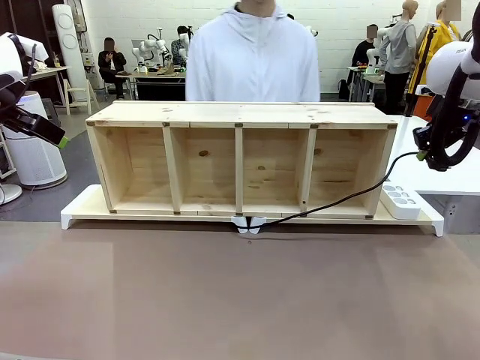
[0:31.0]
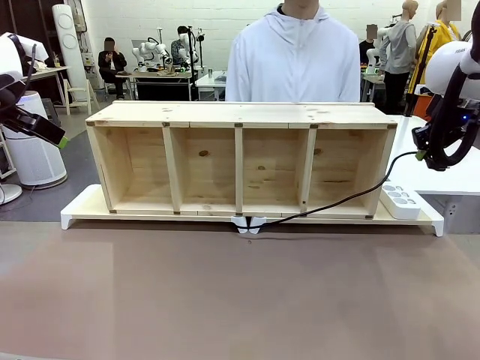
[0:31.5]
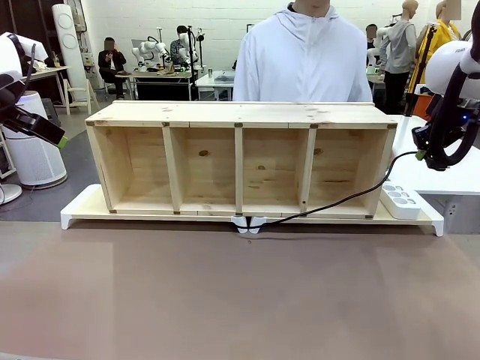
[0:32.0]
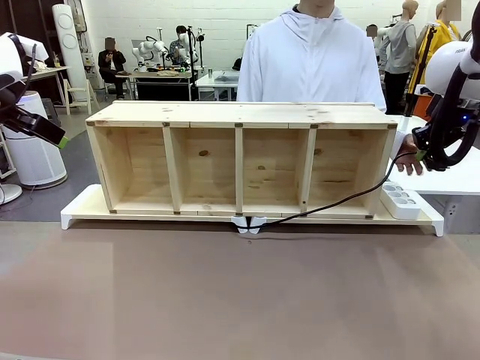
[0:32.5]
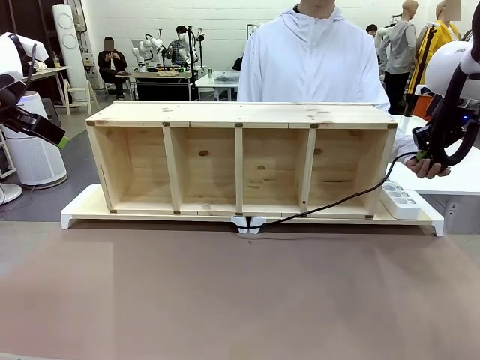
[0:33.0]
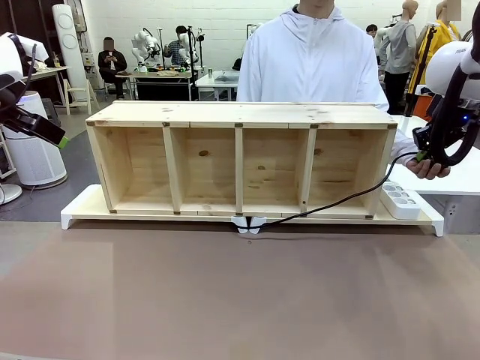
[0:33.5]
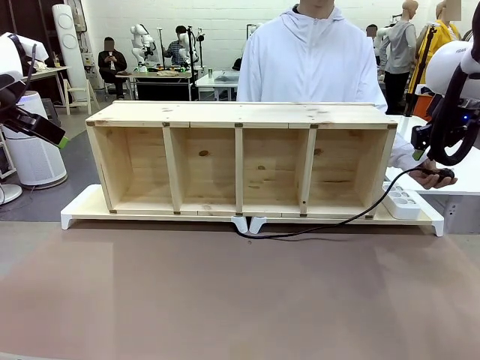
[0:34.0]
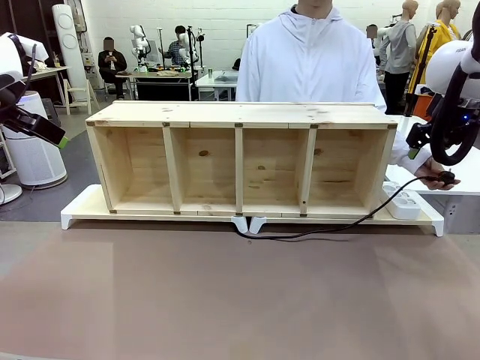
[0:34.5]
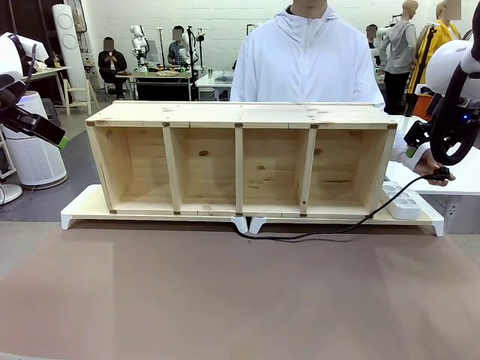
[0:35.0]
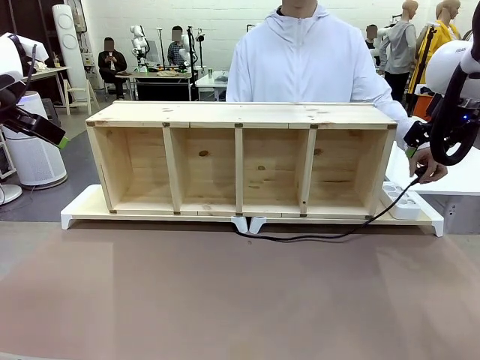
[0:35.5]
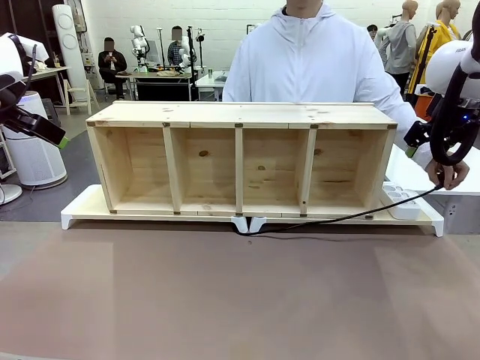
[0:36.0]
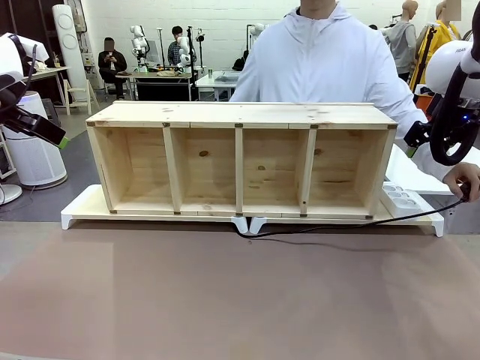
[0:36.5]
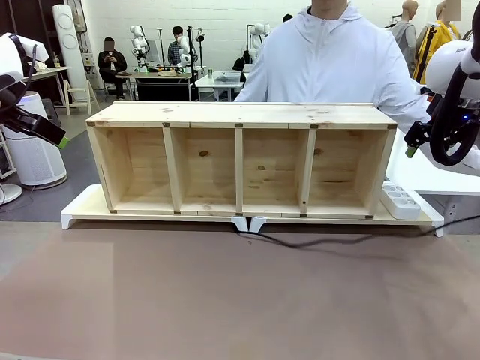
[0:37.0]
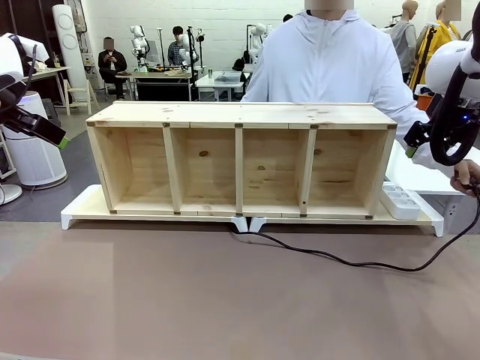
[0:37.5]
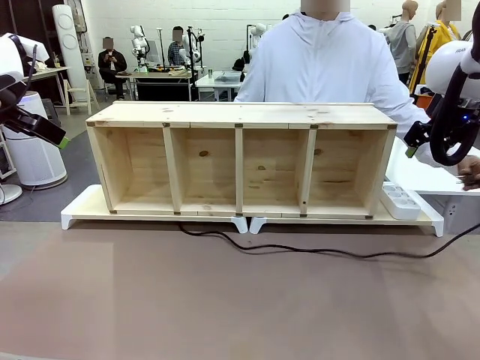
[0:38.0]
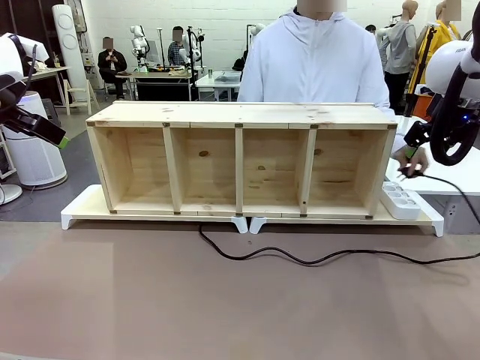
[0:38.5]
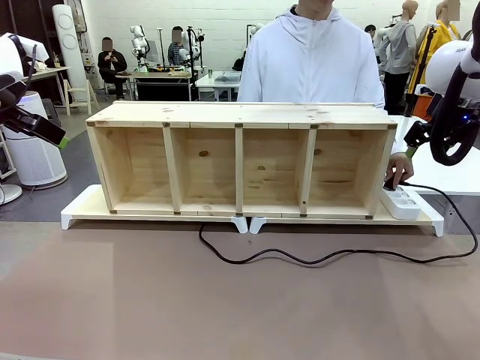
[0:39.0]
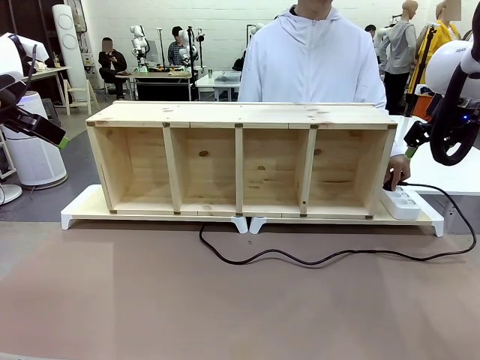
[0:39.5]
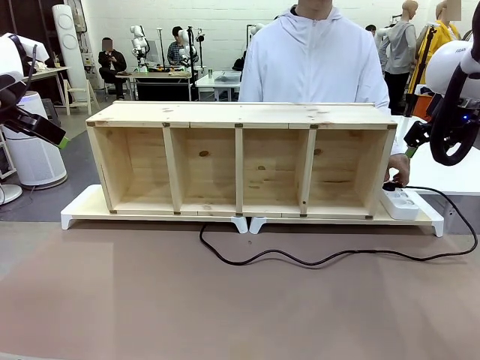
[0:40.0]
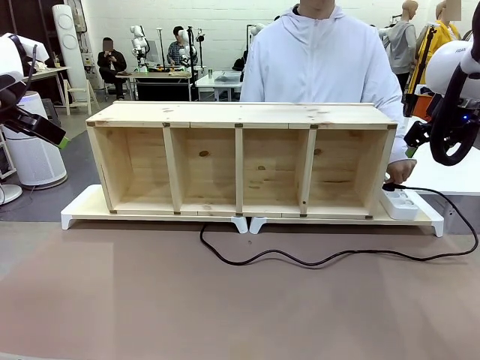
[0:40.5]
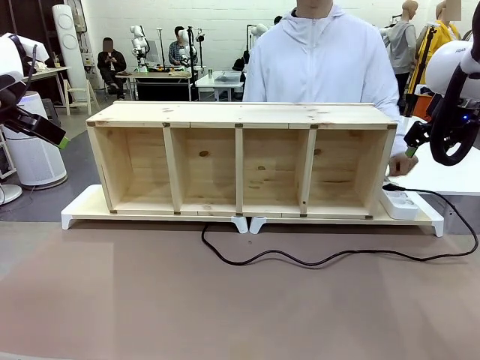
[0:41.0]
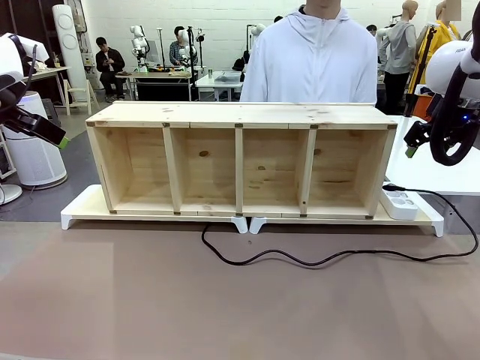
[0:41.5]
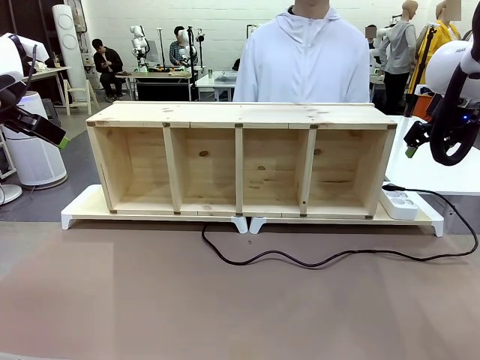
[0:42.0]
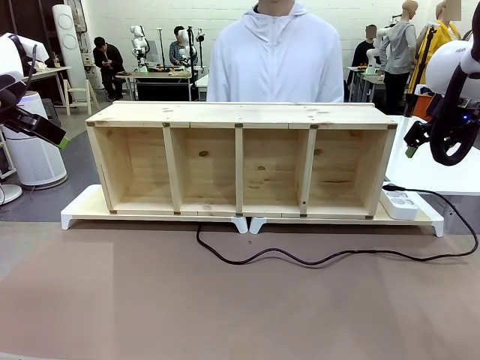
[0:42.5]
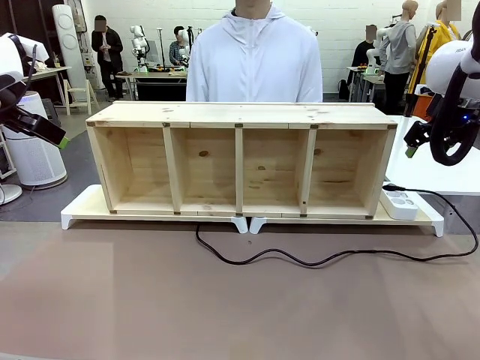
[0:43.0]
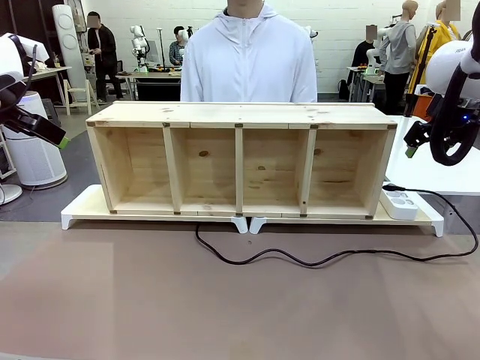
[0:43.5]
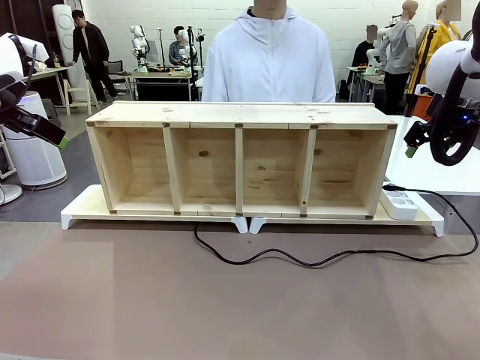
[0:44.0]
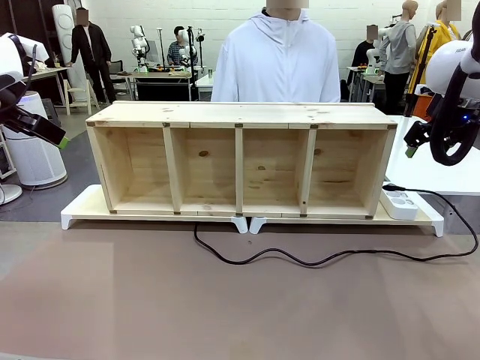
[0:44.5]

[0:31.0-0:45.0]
Task: Perform cable management.
Robot: Release the Power Cable when the human grasps it.
Person: Plug the Power Cable into the Power Strip.

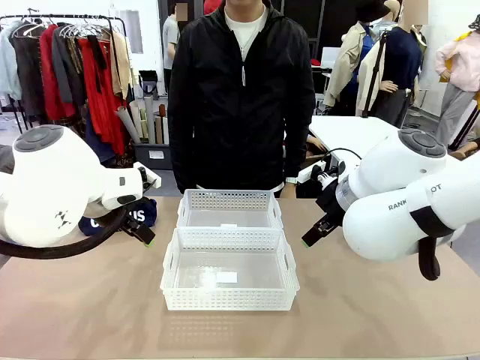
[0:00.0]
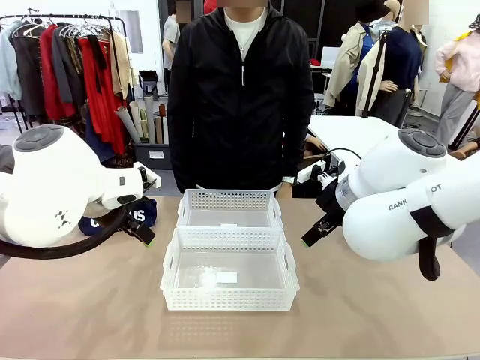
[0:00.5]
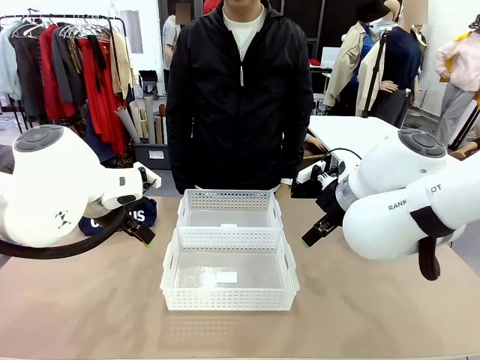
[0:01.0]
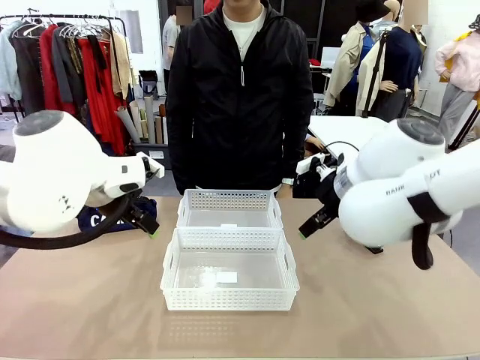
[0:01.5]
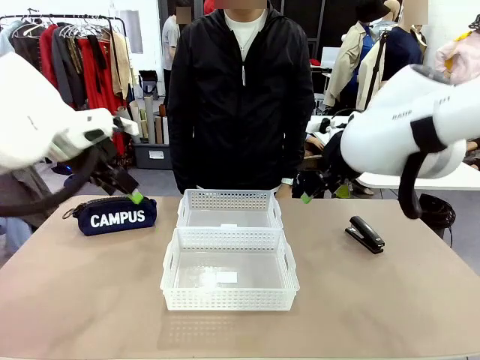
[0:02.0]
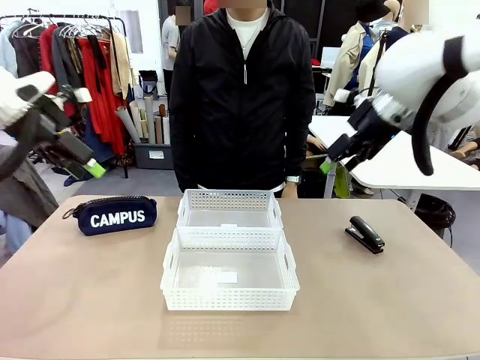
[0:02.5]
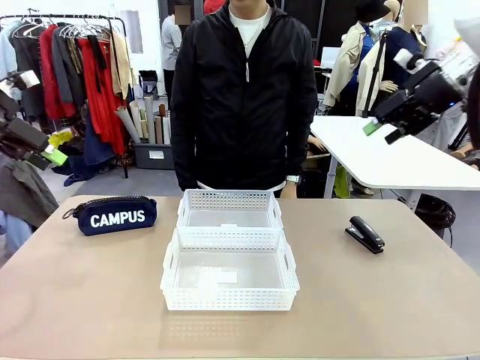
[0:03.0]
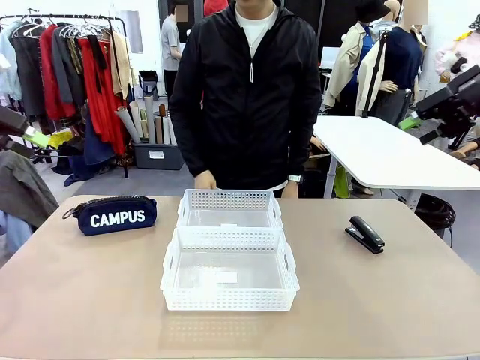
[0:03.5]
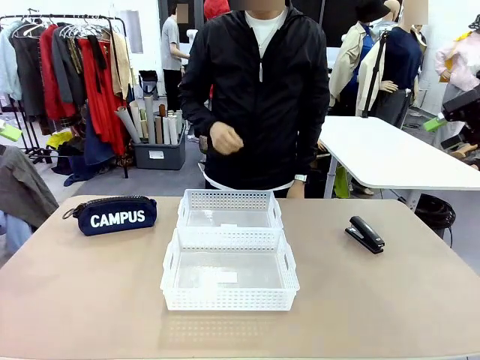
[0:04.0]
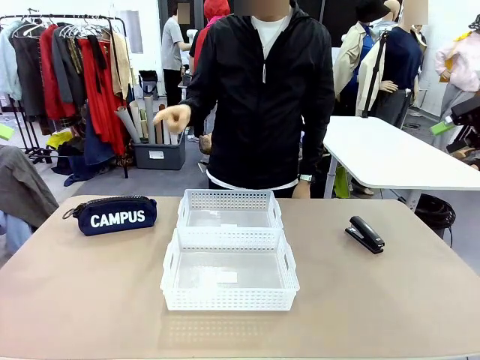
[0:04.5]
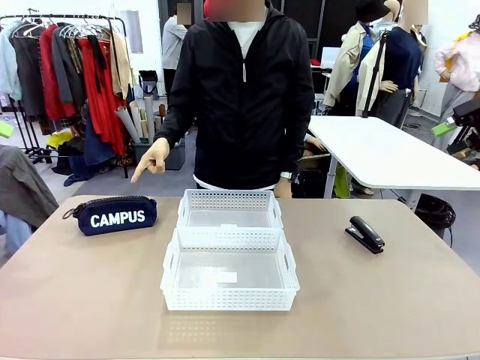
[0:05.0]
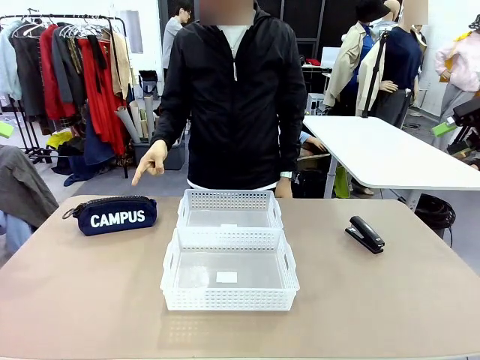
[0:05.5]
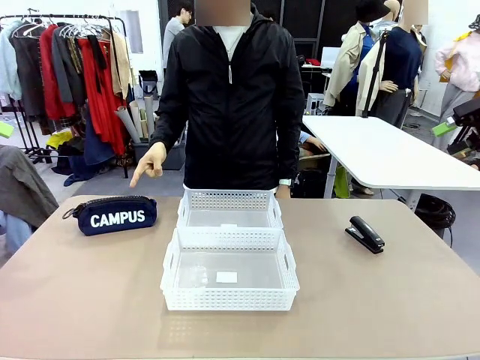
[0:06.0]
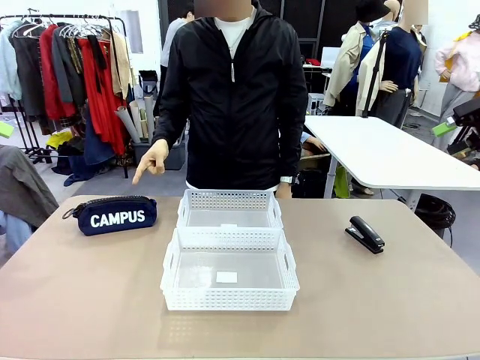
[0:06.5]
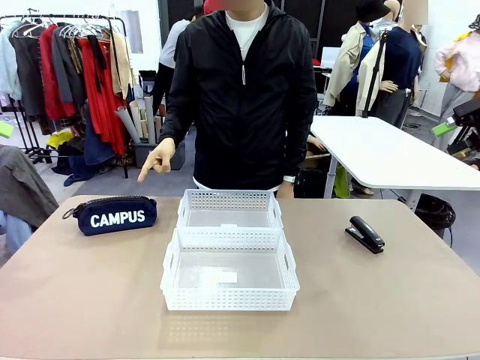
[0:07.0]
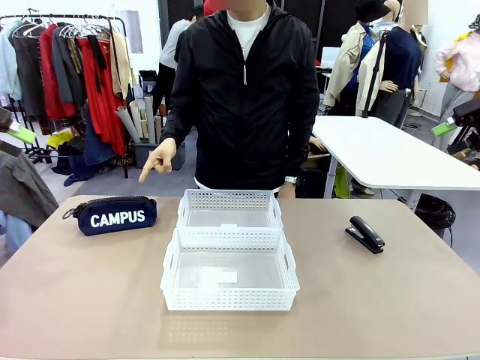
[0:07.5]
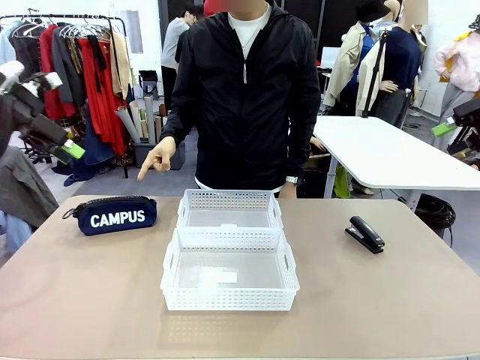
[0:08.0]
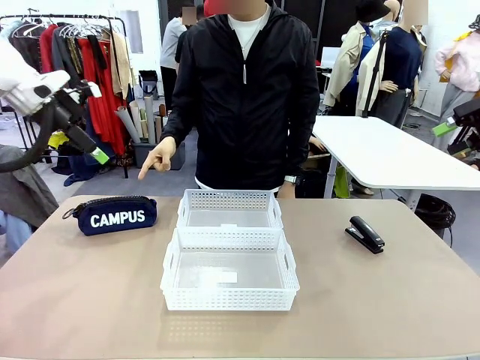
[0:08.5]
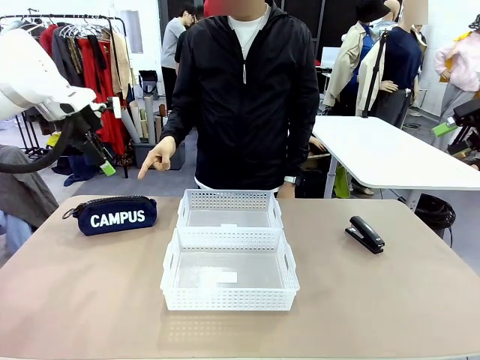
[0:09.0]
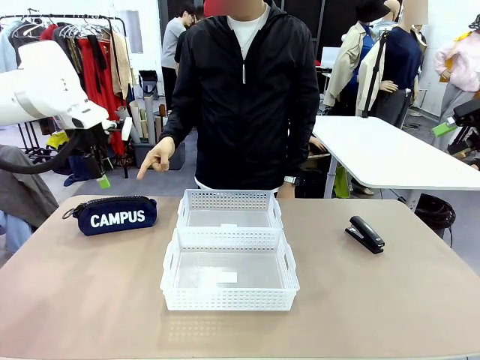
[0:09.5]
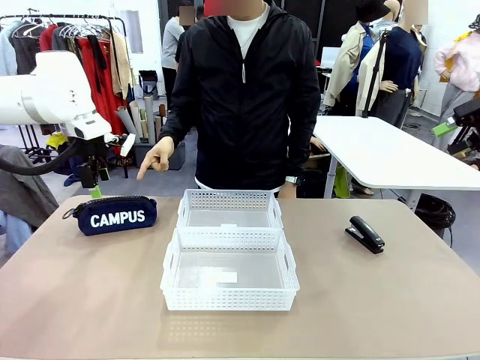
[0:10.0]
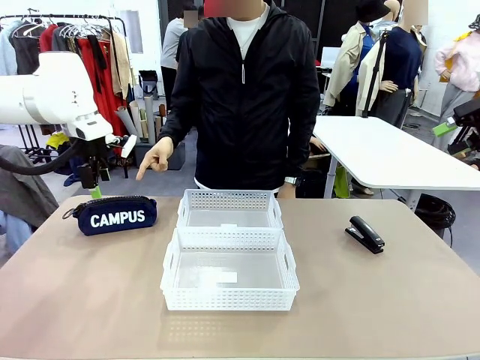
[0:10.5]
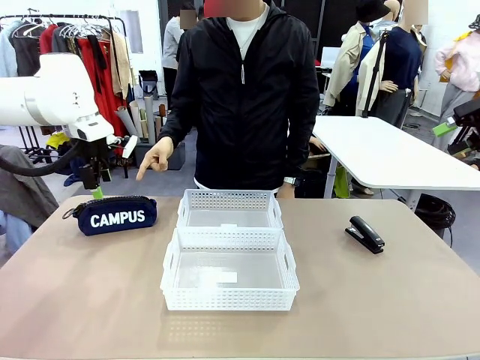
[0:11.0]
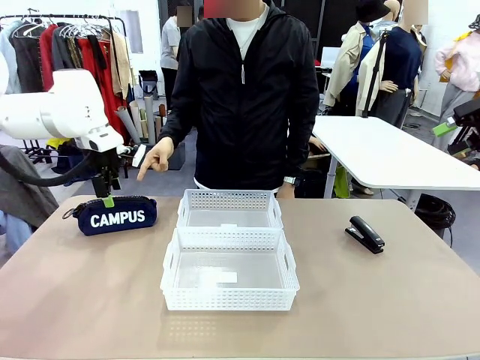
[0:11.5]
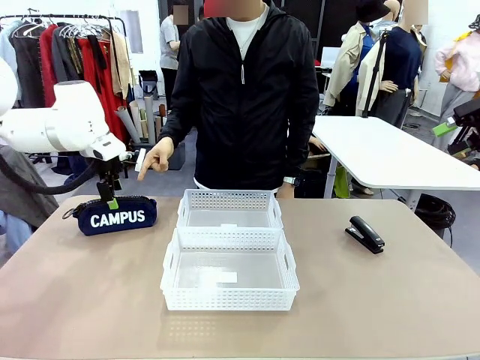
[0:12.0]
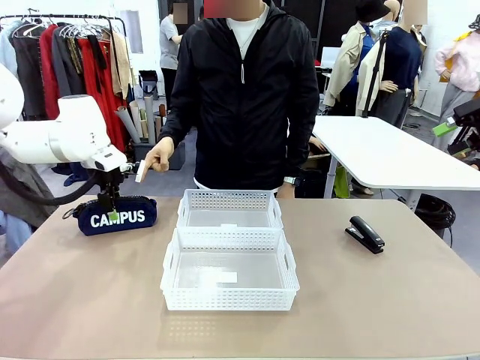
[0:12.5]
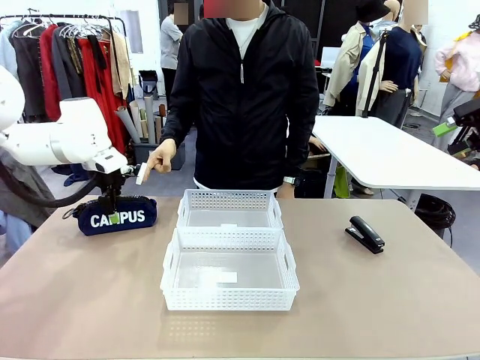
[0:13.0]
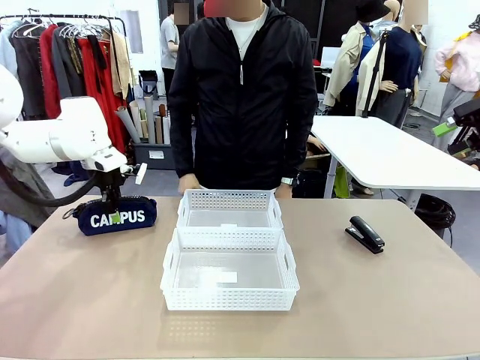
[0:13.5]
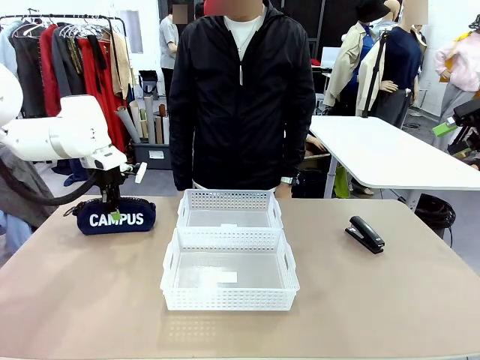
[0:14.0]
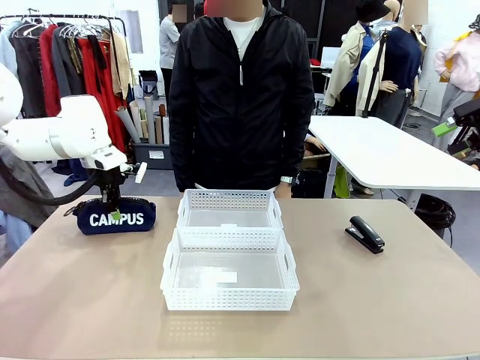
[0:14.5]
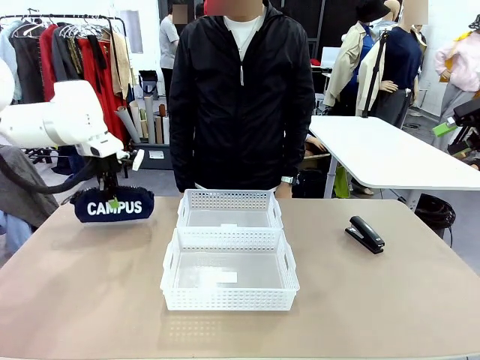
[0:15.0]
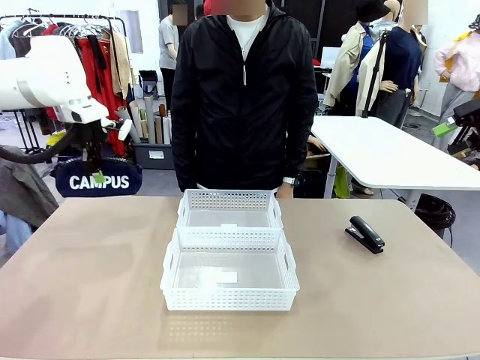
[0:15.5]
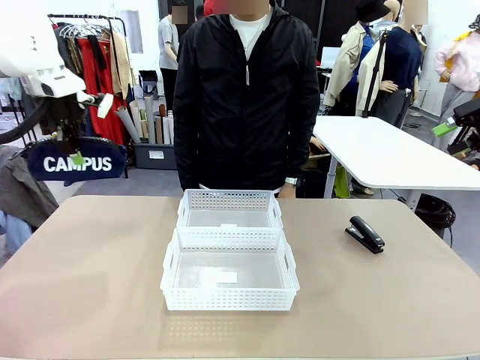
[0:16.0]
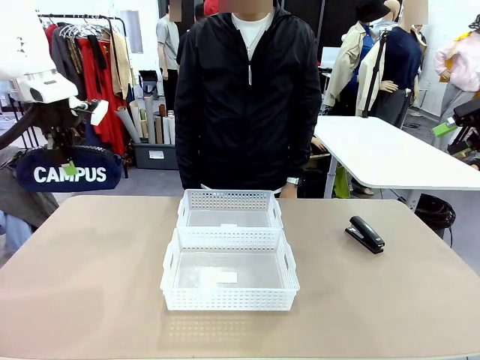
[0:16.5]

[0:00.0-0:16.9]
Task: Distribute items into two baskets.
Robot: Pick up the Pencil pouch that the person points to.
Person: Points to the pencil case. Points between the two organizing baskets and instructs the robot to move the pencil case.
